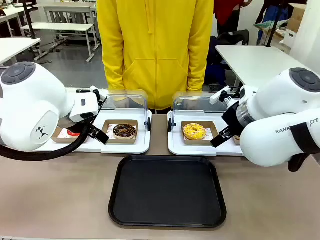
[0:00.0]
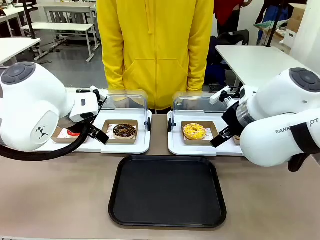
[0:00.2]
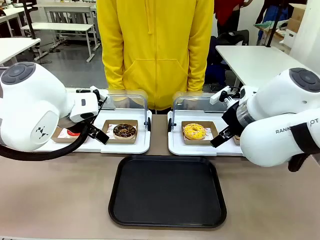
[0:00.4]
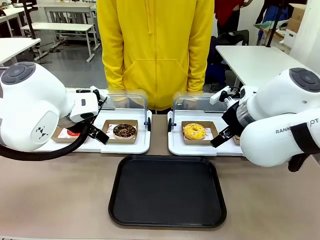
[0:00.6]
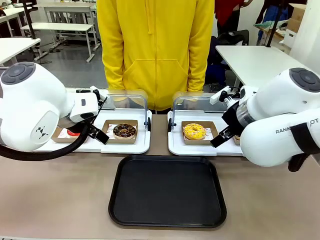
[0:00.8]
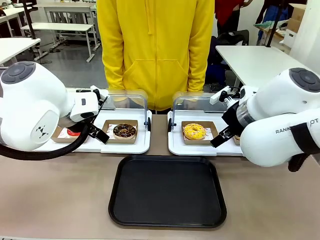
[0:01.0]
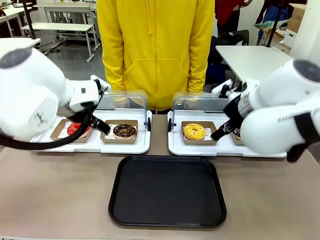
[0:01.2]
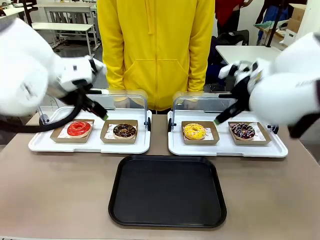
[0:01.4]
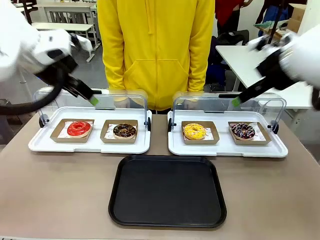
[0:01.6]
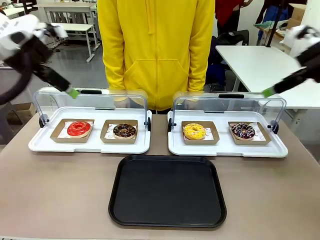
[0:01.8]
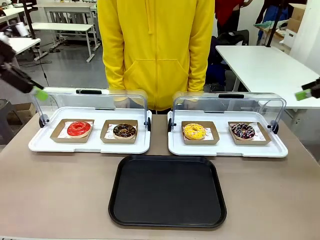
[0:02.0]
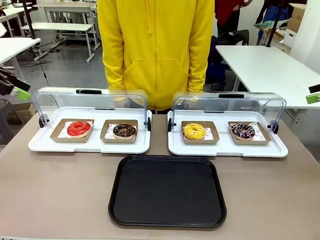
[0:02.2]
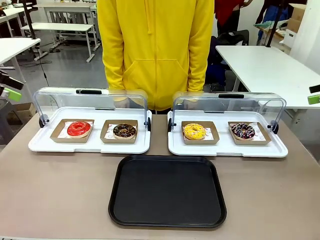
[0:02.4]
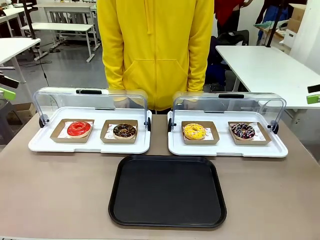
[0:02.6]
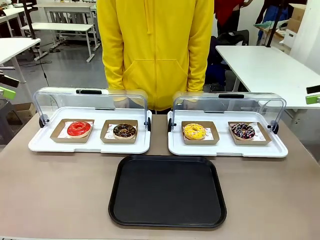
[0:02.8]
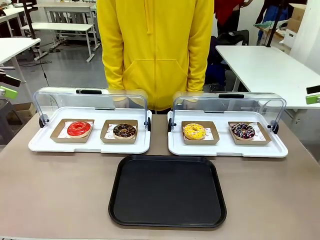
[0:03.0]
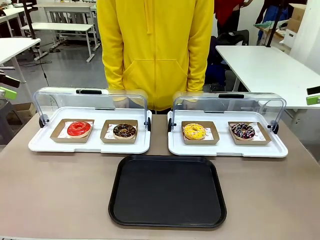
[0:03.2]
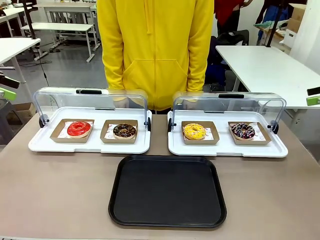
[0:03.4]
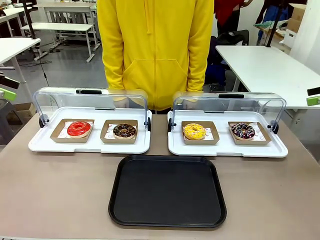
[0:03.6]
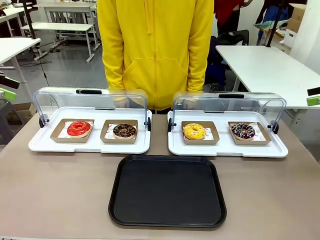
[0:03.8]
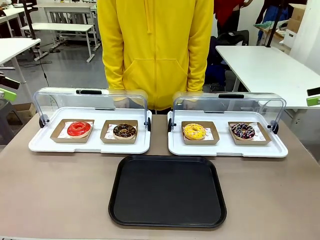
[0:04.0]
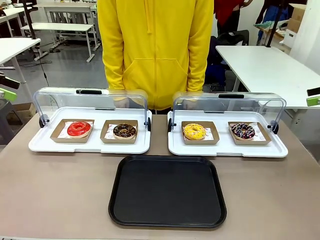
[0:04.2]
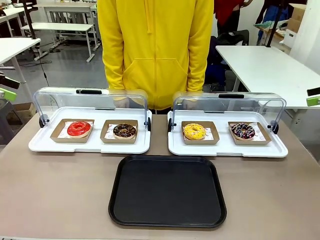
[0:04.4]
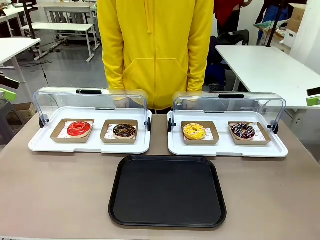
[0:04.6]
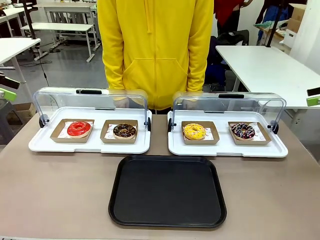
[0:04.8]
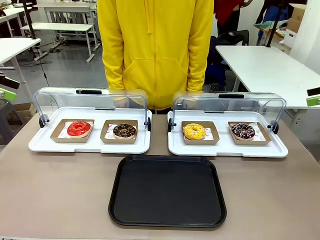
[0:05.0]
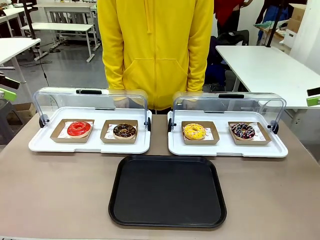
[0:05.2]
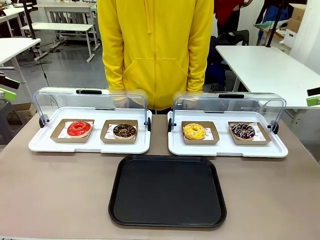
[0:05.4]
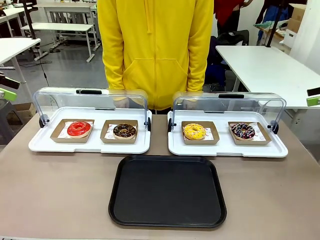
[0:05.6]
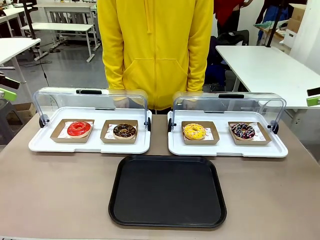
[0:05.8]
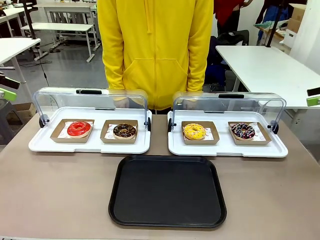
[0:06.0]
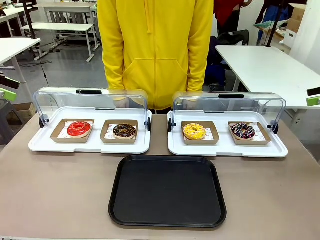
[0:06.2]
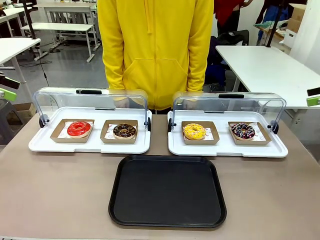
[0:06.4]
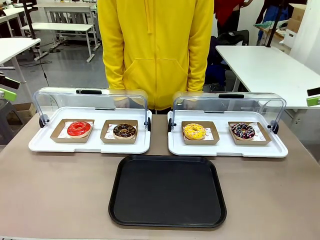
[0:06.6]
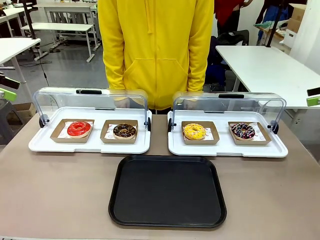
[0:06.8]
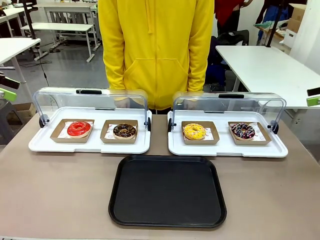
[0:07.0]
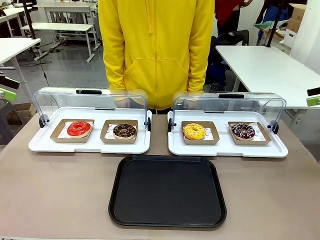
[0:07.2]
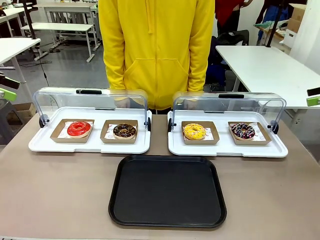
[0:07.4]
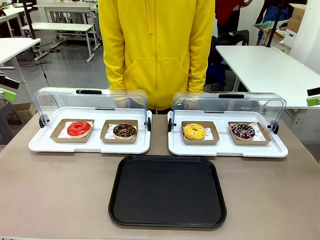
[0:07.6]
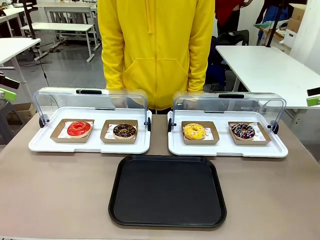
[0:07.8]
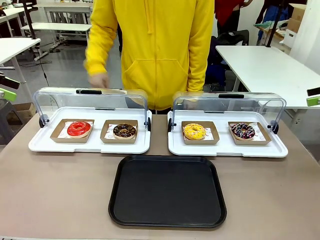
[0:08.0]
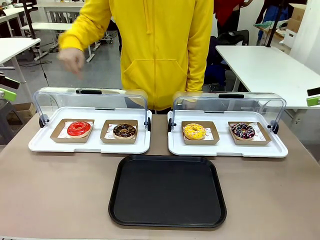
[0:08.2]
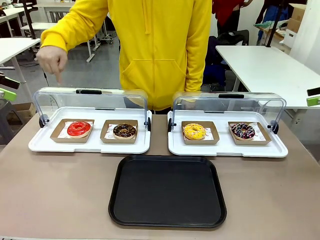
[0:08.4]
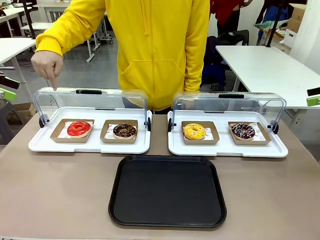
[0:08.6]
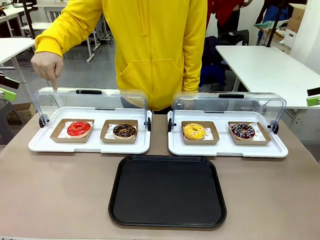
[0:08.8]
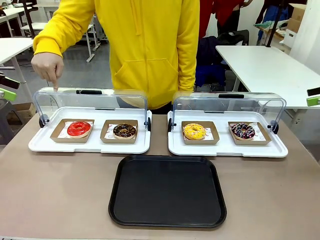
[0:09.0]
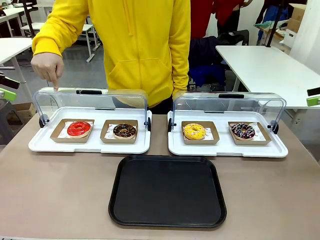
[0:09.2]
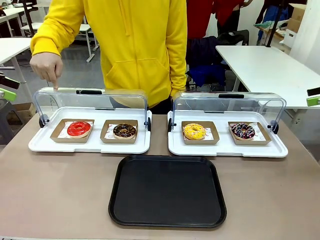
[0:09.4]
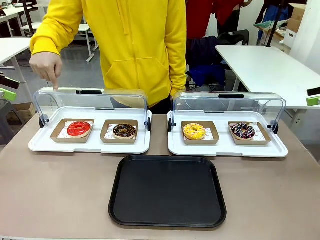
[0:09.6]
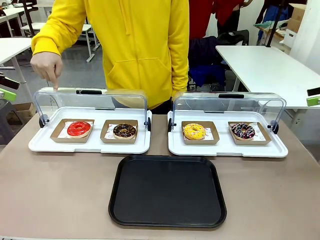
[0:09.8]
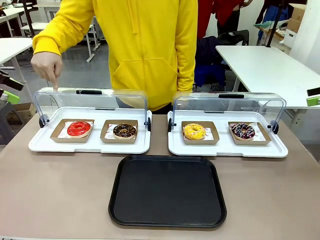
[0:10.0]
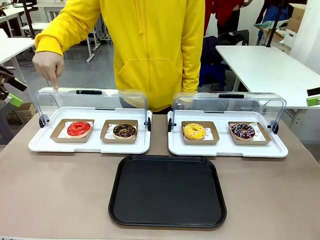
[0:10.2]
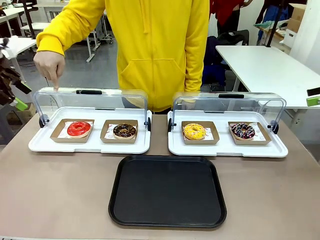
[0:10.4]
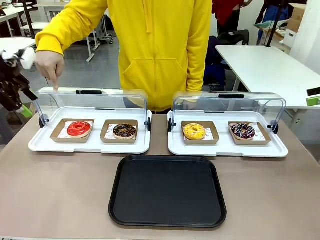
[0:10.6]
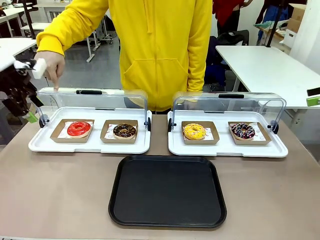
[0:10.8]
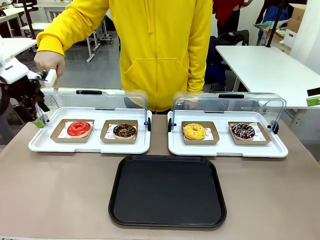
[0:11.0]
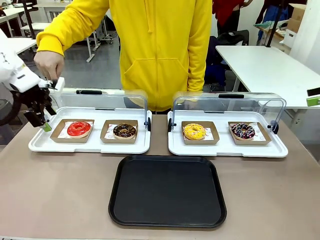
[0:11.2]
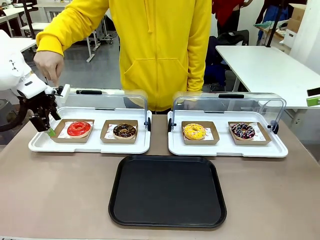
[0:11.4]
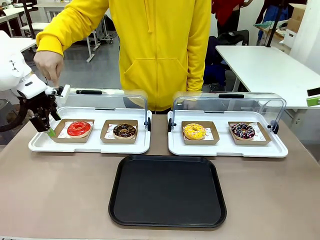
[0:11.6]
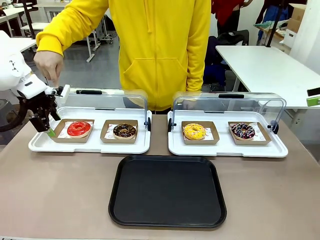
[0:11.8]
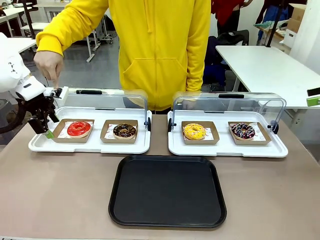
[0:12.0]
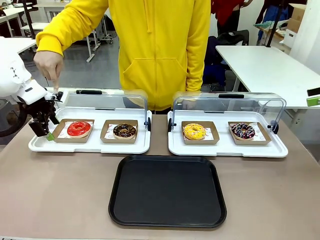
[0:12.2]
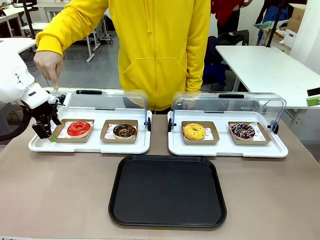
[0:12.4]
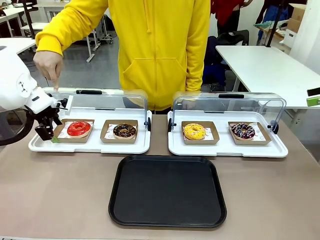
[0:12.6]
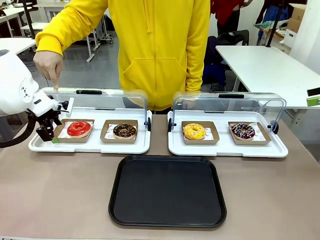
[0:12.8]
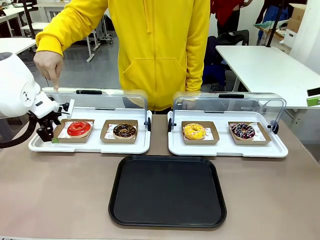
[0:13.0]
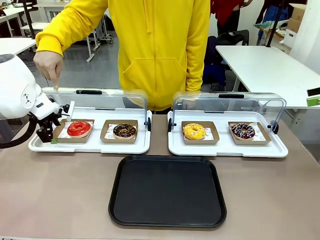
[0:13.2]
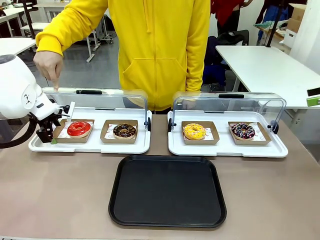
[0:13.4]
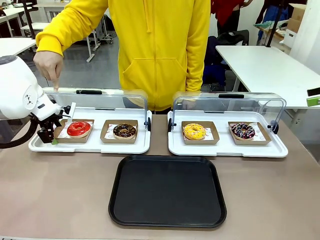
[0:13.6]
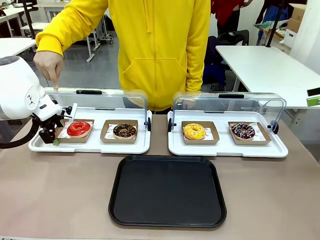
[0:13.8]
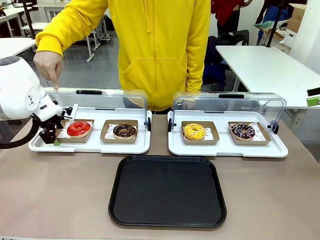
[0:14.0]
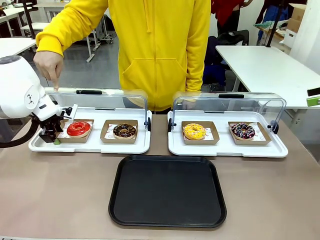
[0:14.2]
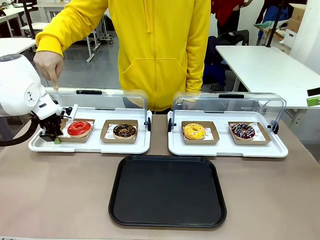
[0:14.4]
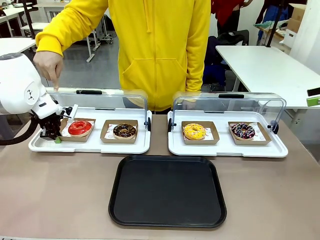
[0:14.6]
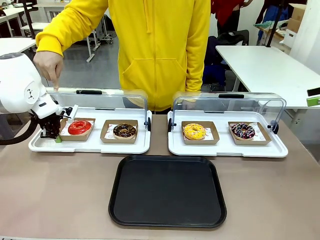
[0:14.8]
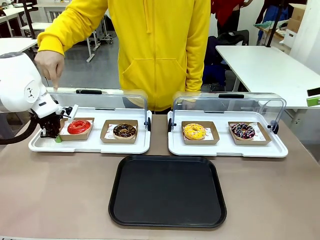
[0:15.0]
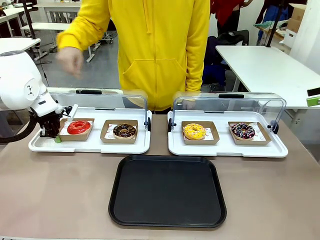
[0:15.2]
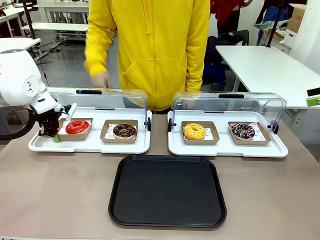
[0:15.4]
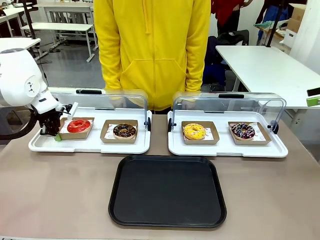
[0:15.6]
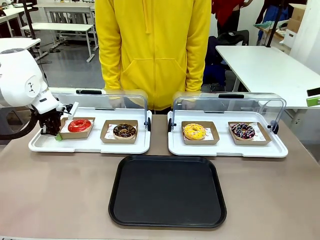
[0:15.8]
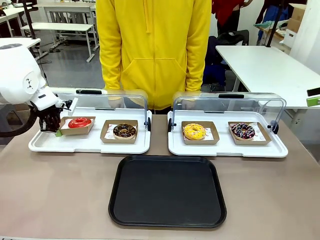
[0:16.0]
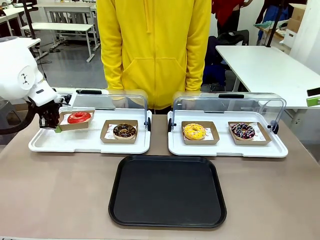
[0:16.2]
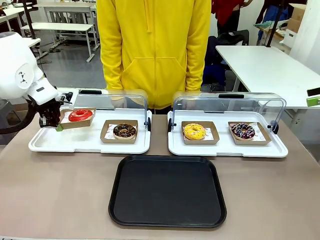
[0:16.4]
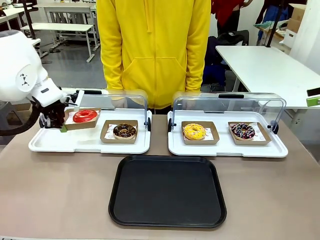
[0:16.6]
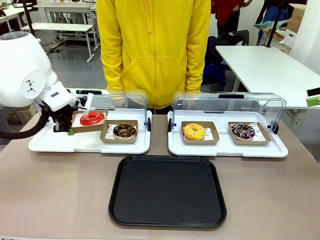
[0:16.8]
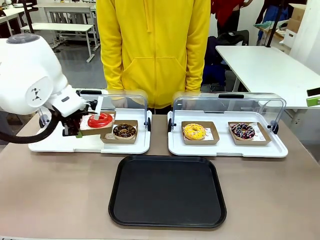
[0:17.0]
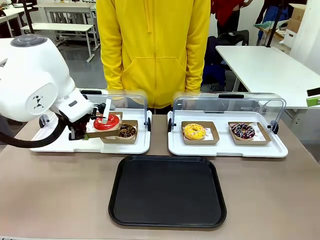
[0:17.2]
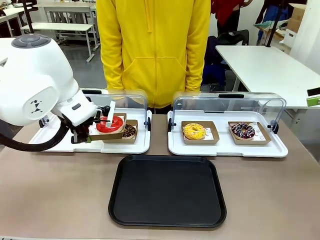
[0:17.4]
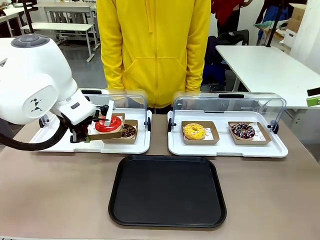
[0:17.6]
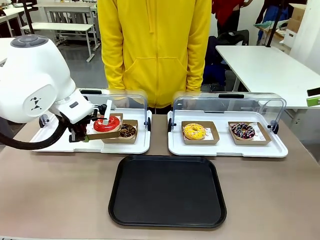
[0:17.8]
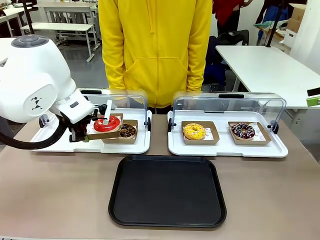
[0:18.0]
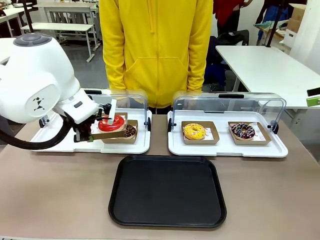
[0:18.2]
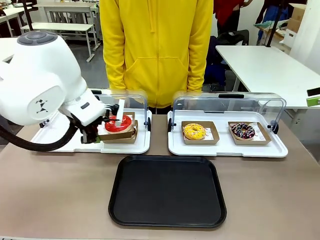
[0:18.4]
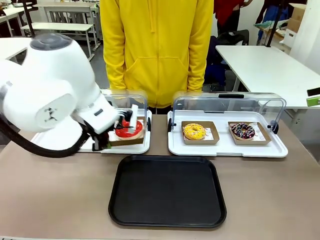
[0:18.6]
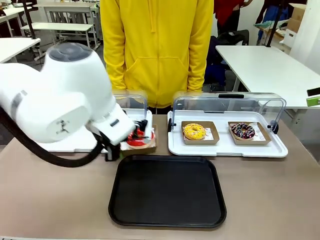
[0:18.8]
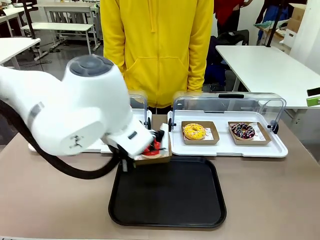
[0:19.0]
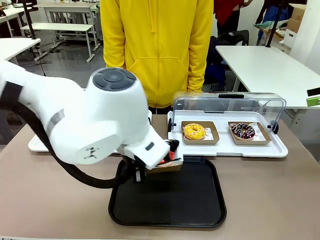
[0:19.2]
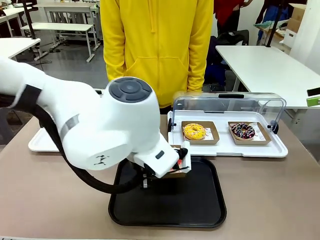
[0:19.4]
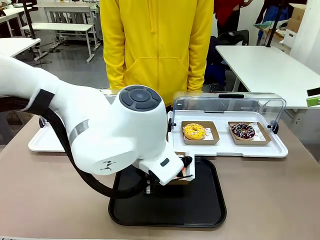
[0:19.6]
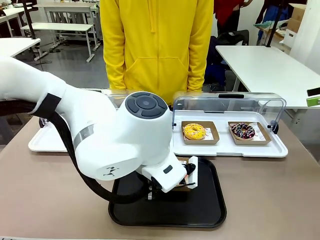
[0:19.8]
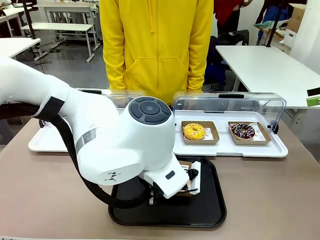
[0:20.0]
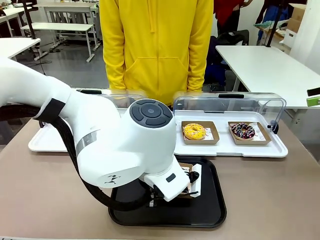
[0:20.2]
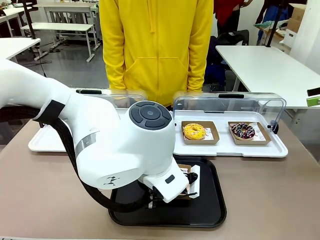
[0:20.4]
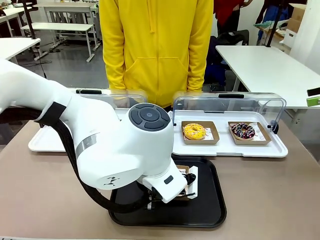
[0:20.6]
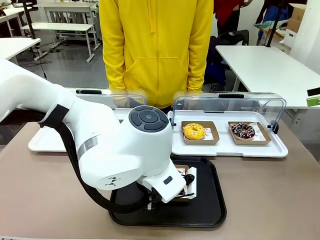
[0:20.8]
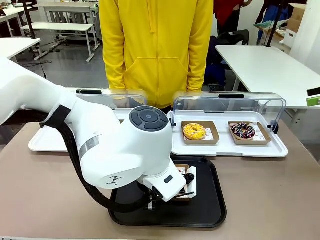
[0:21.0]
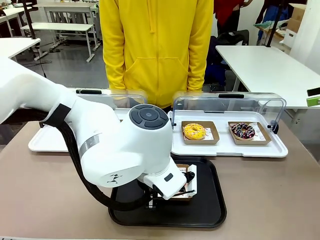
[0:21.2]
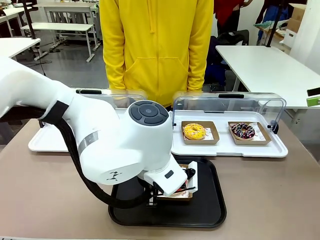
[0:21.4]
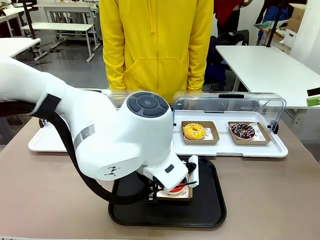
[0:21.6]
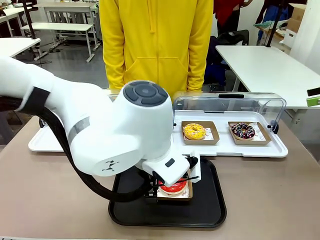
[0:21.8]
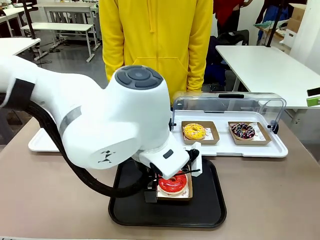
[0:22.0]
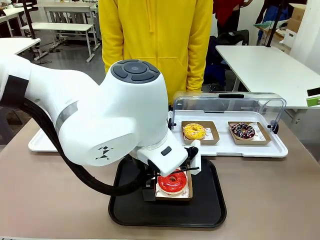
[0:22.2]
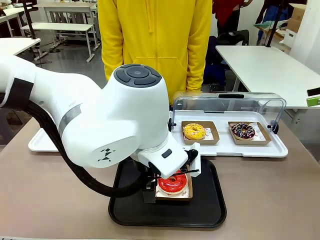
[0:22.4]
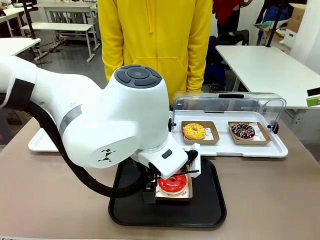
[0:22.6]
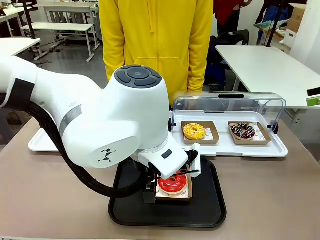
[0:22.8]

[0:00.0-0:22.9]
Task: Move the first donut from the left to the tray.
Robot: Pick up the Paper togo box containing the Donut indicated by the person and place it on the Handle tray.
Person: Points to the first donut from the left from the robot’s perspective.
